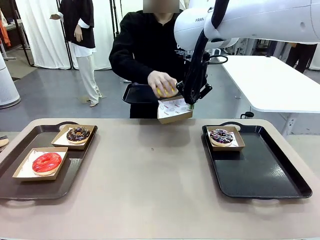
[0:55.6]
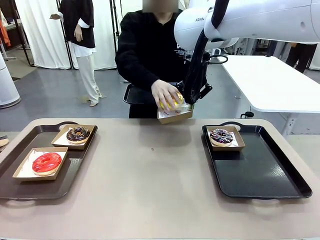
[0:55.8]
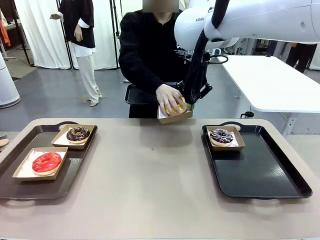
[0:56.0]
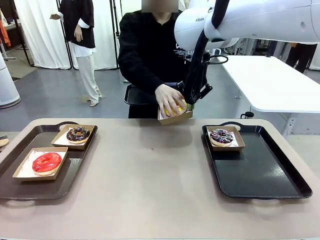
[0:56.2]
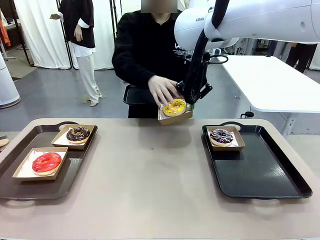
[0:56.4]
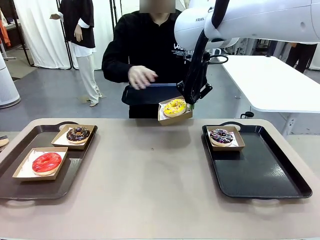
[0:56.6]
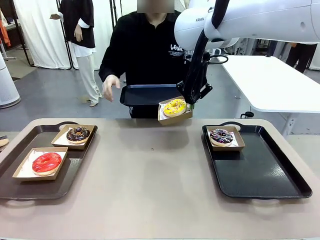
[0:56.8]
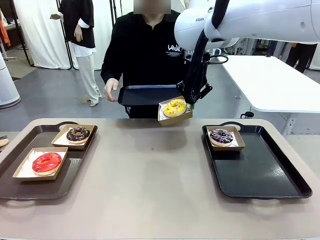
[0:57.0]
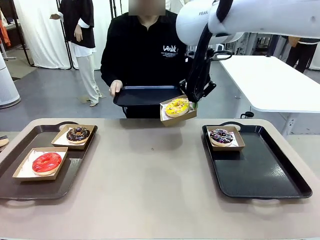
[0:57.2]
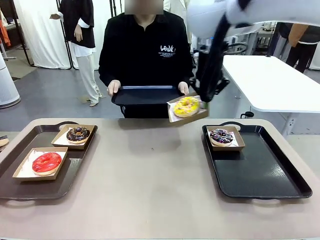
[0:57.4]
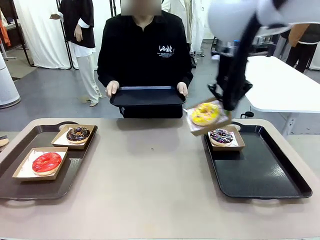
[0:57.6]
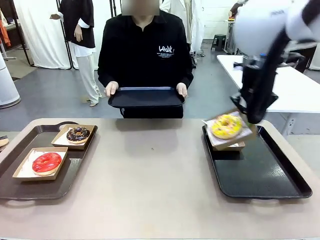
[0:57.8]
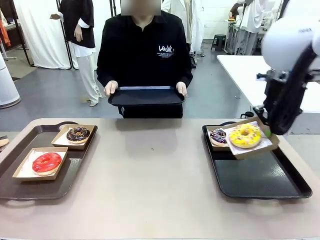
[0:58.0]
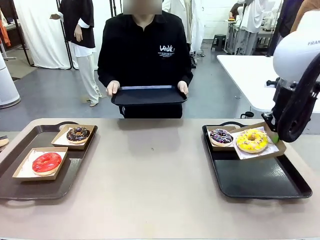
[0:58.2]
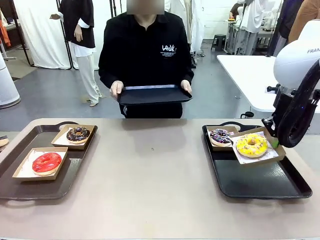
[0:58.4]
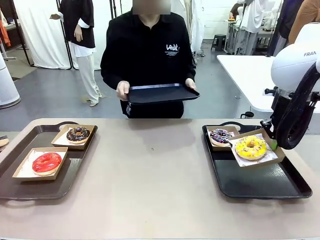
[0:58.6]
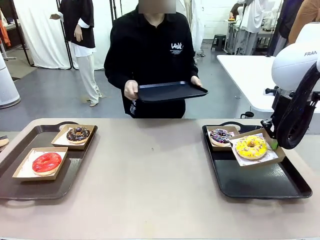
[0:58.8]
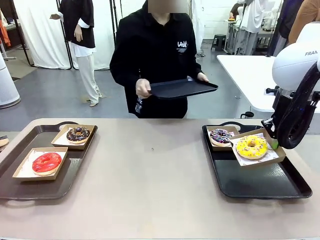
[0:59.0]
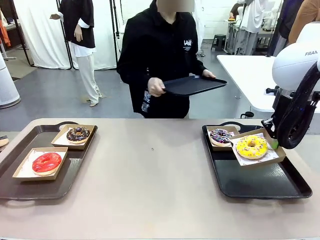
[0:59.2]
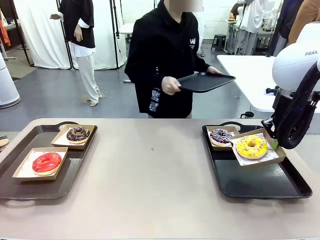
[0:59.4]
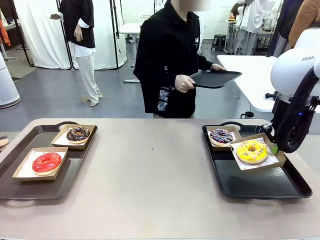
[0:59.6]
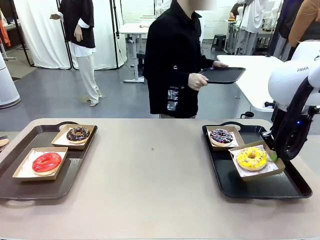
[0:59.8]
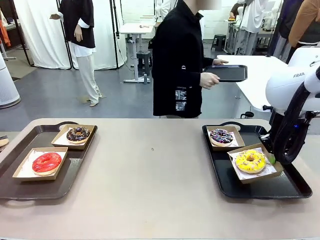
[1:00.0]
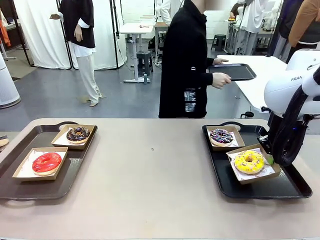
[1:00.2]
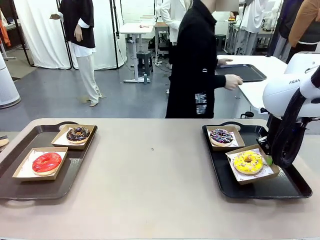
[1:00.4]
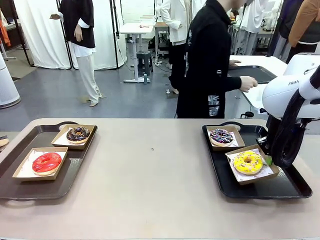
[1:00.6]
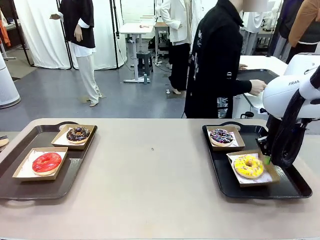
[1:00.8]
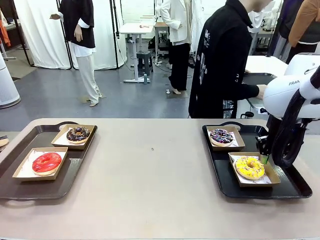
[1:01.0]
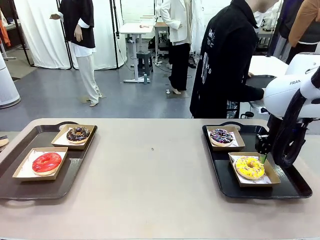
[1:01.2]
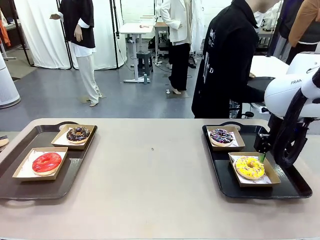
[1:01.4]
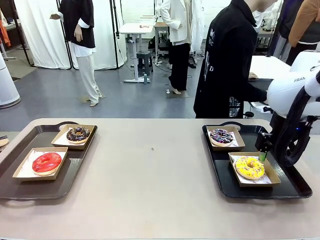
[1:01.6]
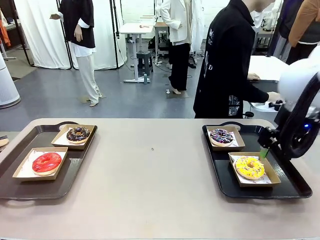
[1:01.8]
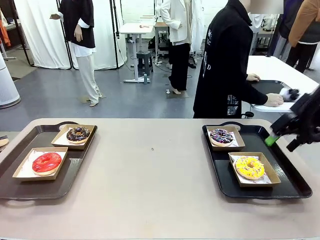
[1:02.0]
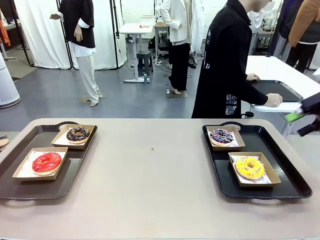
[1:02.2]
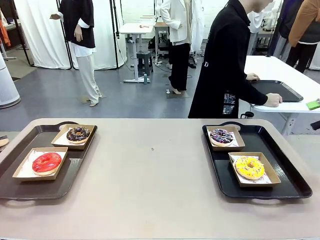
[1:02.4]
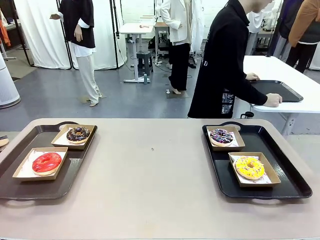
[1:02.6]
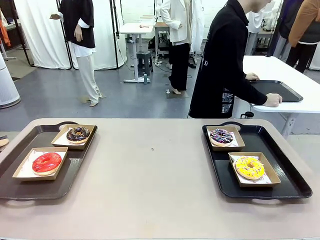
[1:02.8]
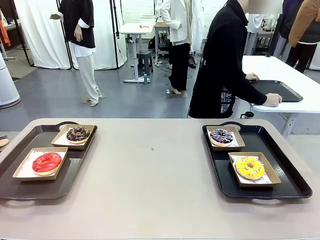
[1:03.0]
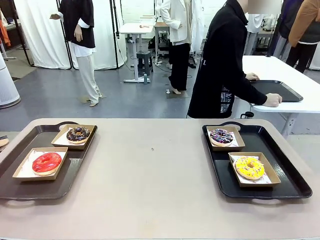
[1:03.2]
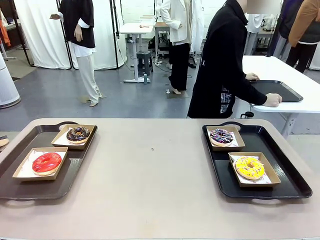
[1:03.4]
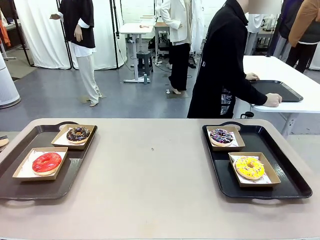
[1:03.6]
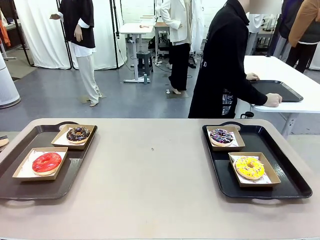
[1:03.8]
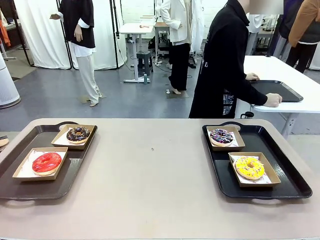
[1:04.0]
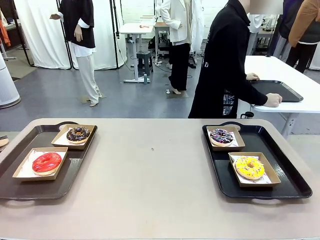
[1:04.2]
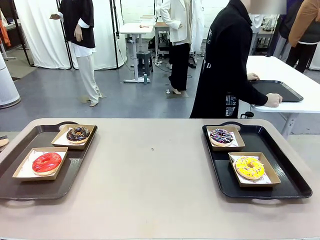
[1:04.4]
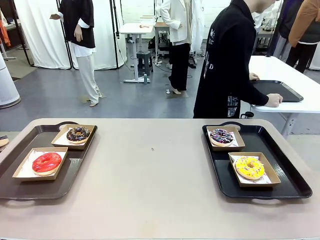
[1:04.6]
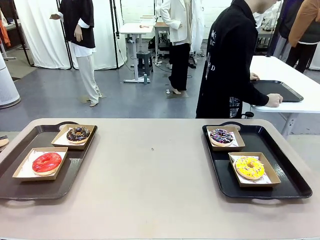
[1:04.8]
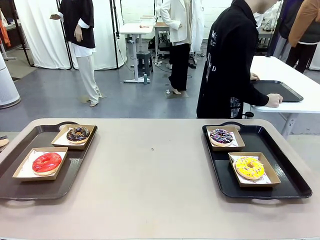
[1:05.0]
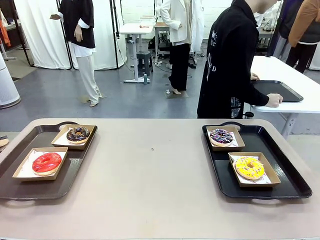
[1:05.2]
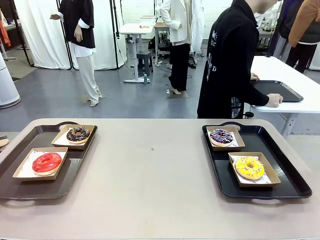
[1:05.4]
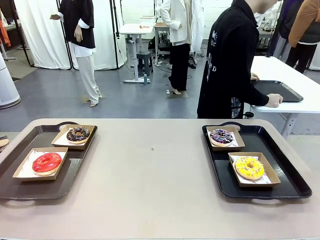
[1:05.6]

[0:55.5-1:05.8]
Task: Individually package the donuts and arrange them on the tray.
Robot: Place the picked Paper togo box on the Handle tray.
Person: Place the tray down in the middle of the human table.

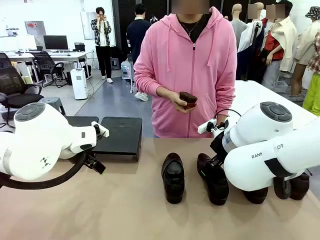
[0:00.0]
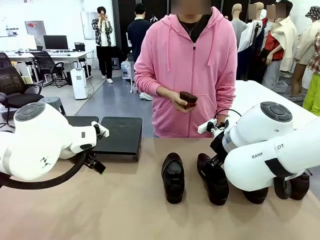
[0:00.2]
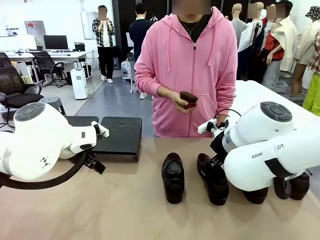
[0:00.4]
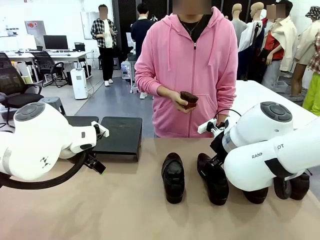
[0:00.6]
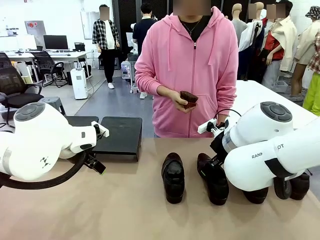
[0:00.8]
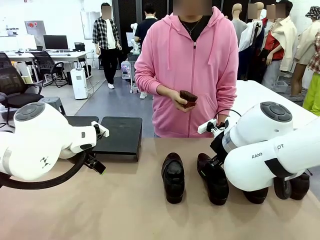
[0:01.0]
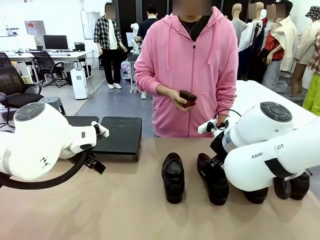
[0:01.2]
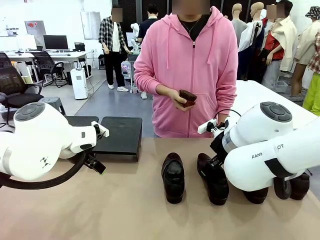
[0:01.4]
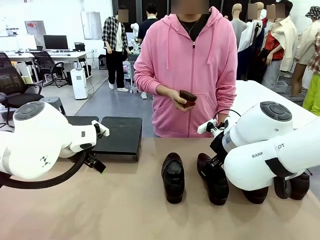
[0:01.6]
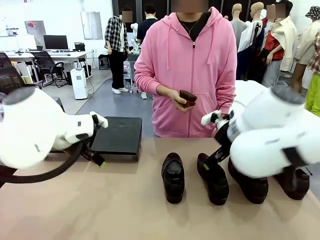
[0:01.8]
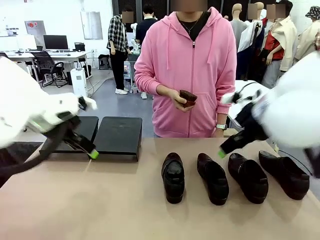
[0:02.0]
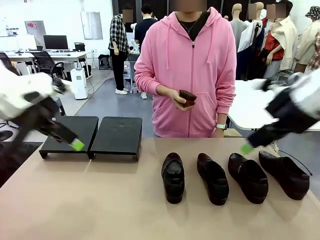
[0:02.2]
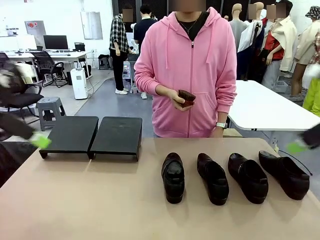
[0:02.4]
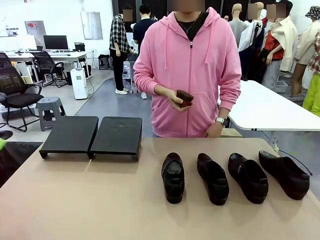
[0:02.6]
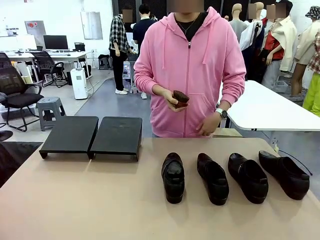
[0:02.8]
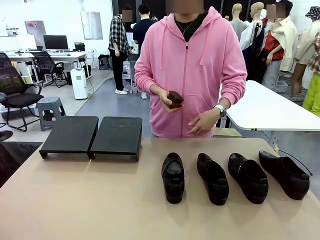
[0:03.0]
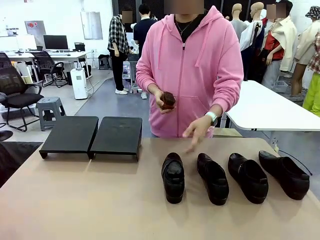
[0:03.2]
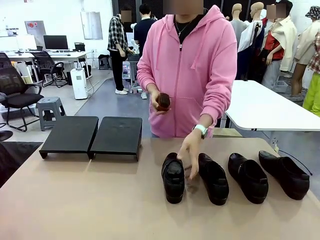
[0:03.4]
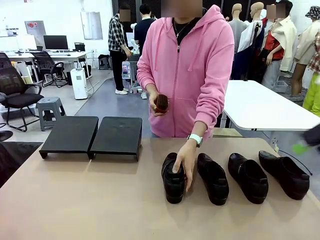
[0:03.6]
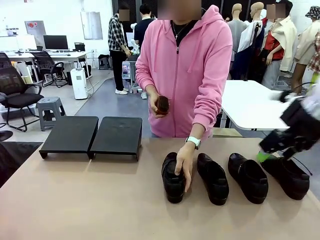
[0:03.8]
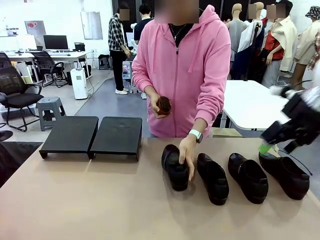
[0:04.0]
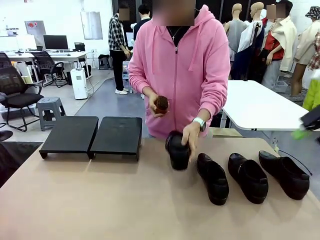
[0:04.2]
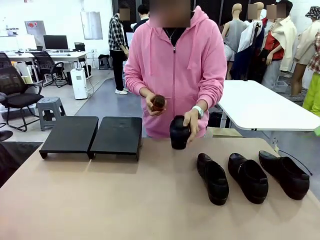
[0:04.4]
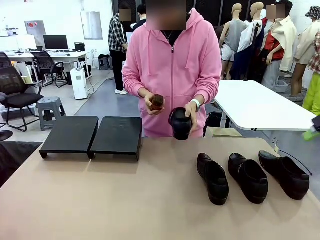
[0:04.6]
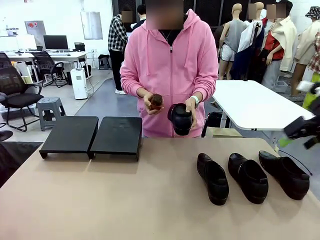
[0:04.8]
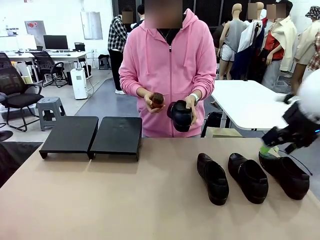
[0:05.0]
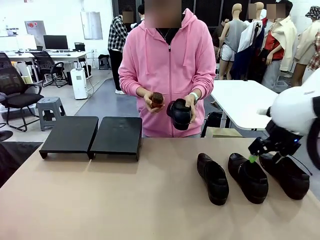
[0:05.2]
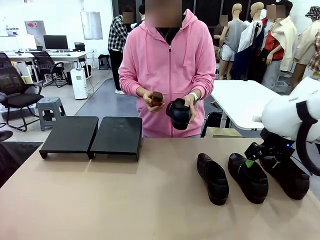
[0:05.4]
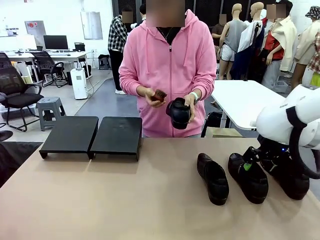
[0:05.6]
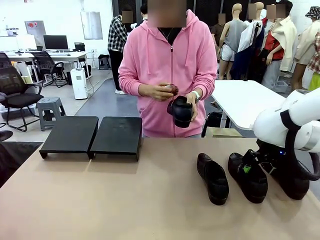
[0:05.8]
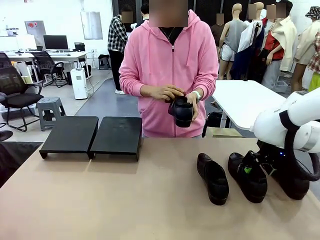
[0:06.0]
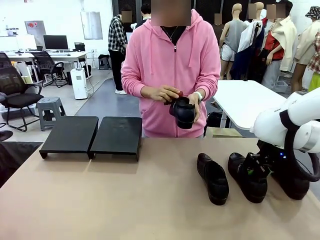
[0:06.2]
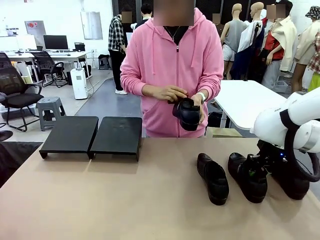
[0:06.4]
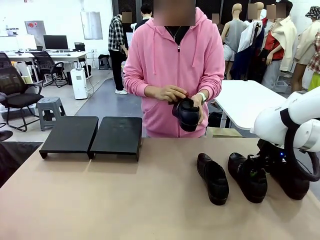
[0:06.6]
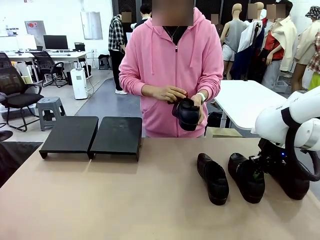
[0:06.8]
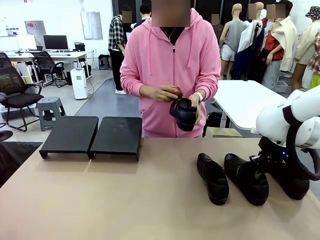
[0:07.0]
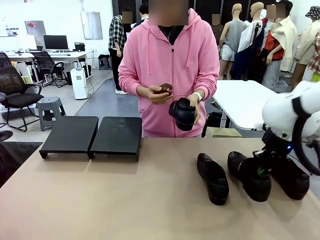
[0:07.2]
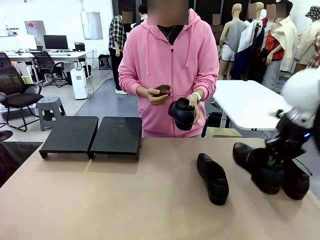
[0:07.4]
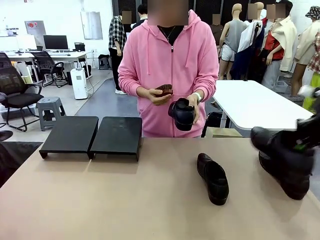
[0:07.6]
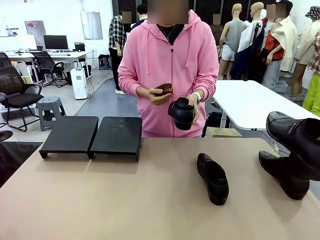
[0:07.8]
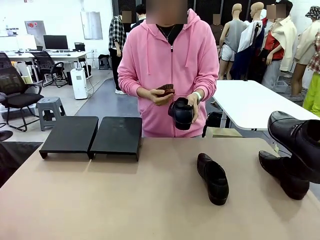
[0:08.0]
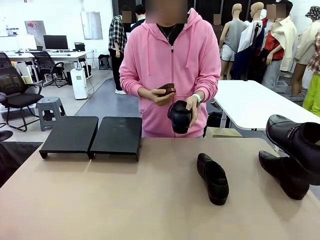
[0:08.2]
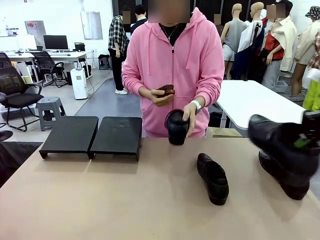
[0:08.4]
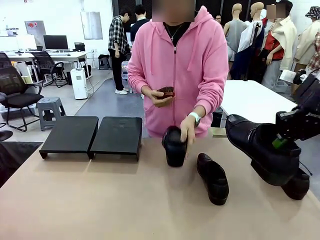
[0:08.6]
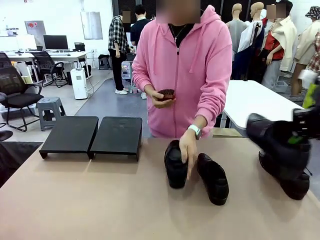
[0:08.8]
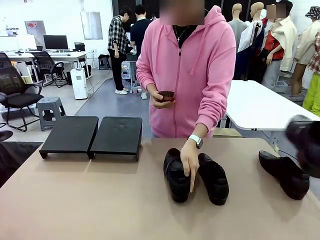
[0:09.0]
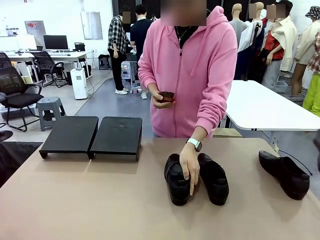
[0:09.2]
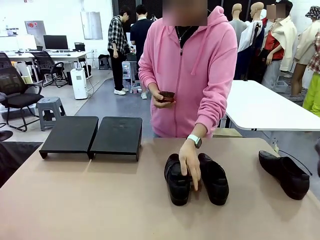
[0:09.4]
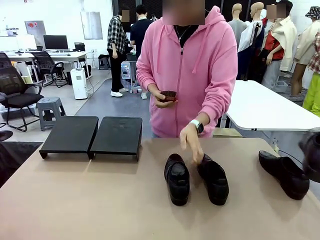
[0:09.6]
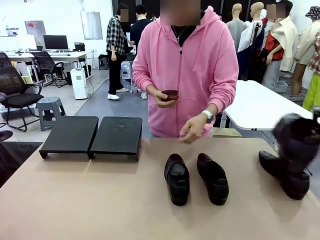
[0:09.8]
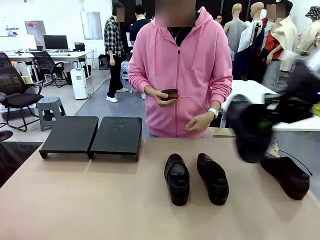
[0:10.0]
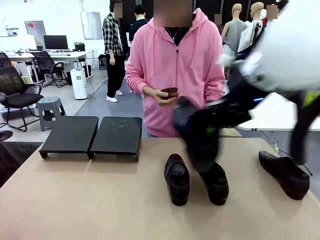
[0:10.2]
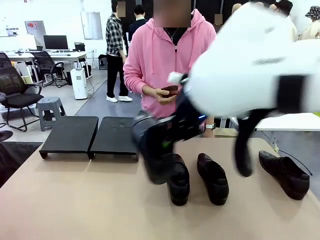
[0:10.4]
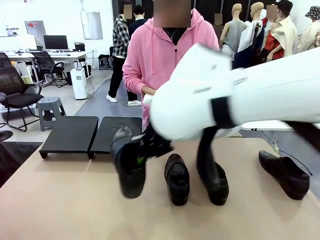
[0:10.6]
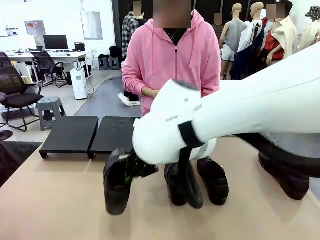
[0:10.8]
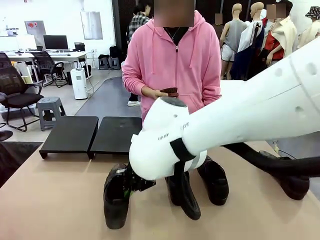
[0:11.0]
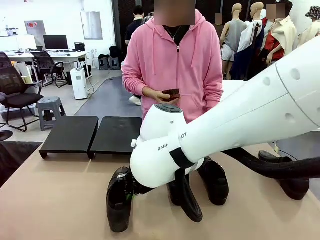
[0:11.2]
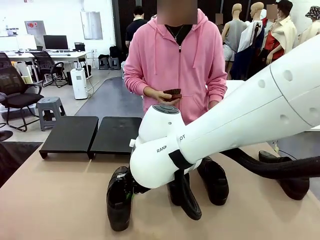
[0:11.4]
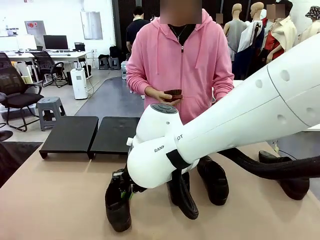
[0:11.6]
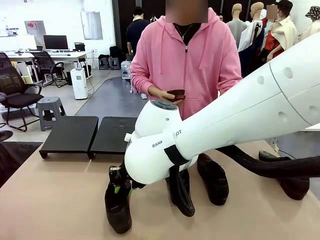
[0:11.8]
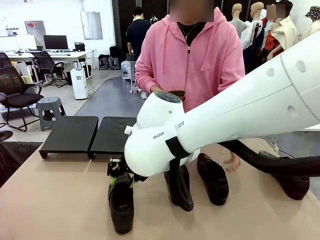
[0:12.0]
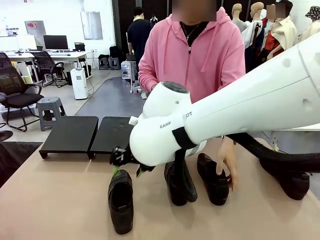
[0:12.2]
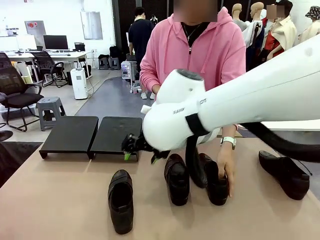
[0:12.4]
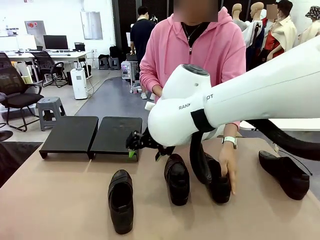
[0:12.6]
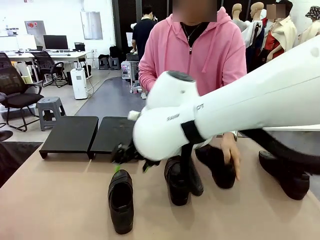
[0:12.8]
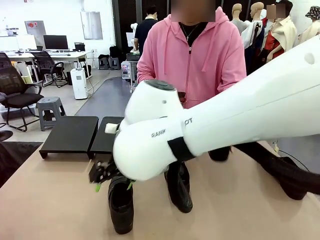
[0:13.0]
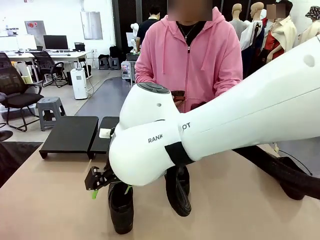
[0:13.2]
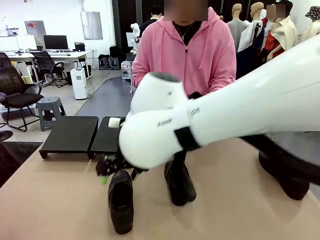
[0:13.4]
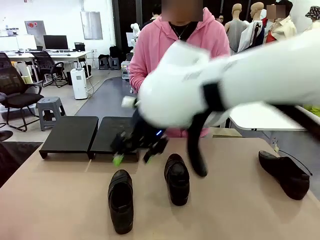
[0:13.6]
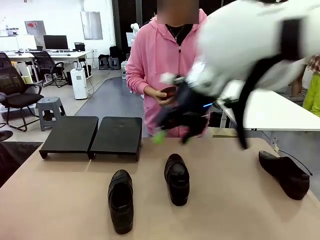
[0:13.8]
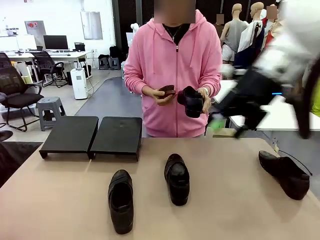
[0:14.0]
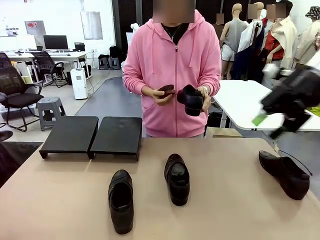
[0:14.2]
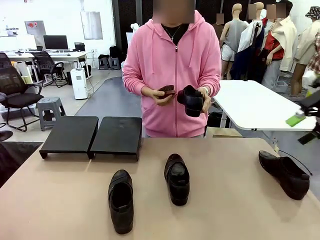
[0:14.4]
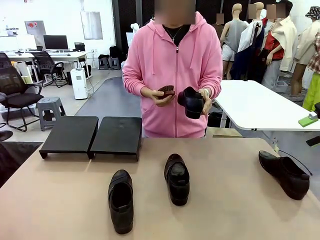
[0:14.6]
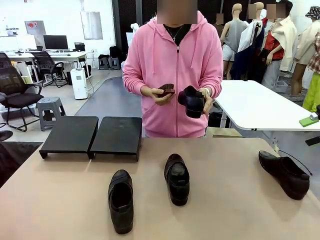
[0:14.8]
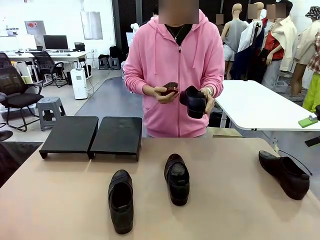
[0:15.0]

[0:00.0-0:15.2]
Task: Organize the shoes by placing them on the stand.
Robot: Pick up one Shoe and place it in the middle of the table.
Person: Pick one Shoe on Robot's table. Clean the Shoe with the Shoe Brush. Place the Shoe on left side of the Robot's table. Pick one Shoe on Robot's table.
